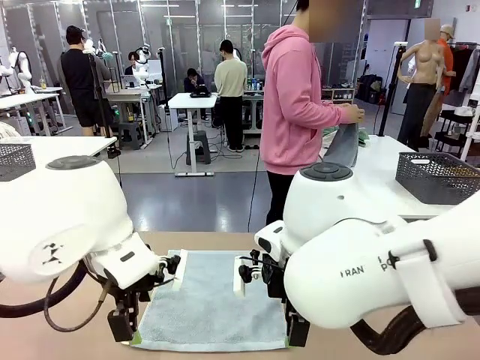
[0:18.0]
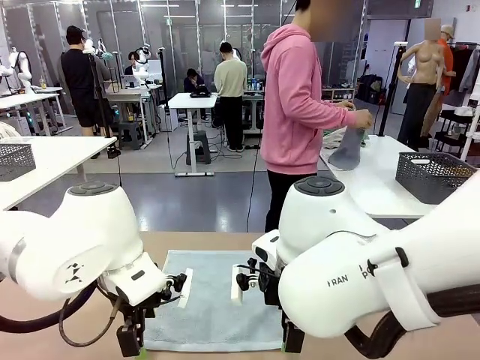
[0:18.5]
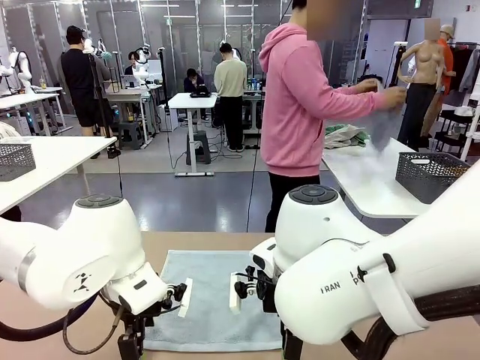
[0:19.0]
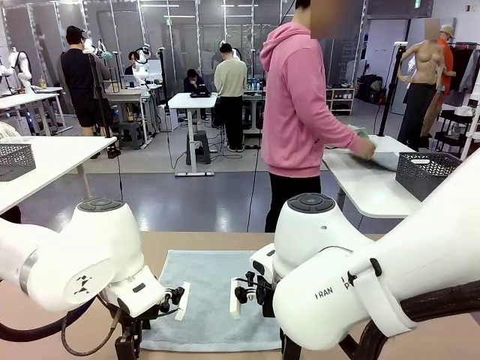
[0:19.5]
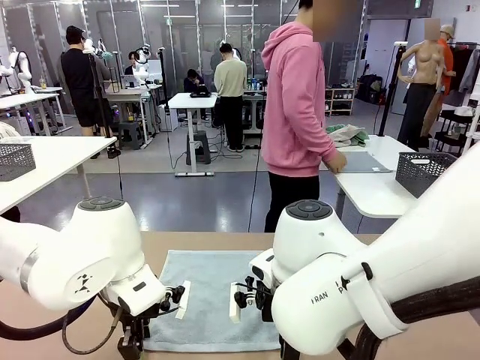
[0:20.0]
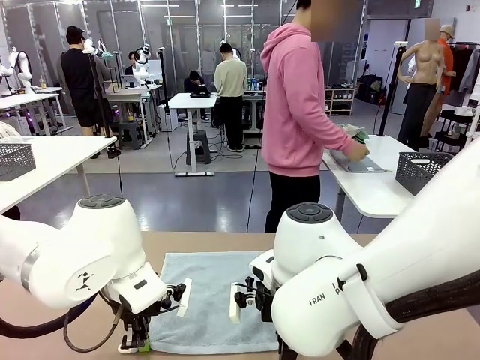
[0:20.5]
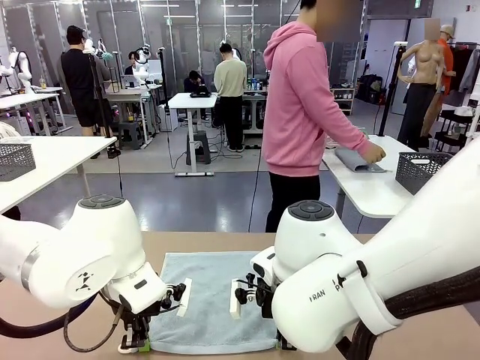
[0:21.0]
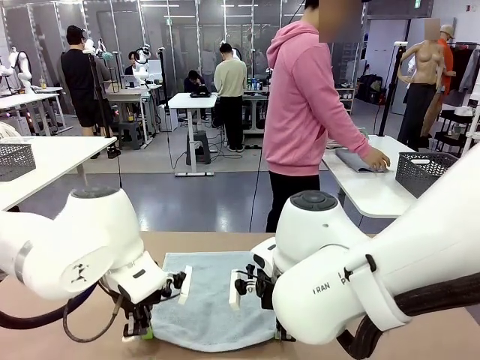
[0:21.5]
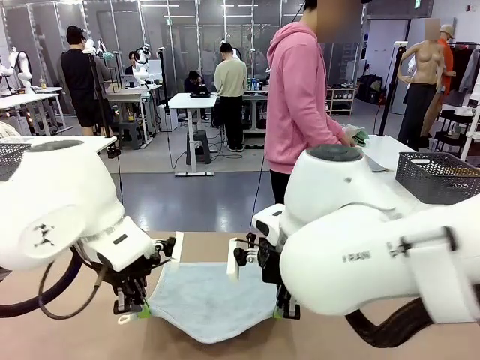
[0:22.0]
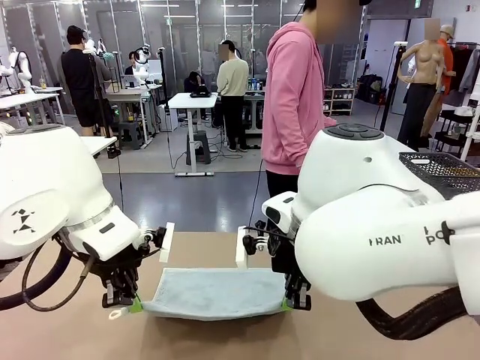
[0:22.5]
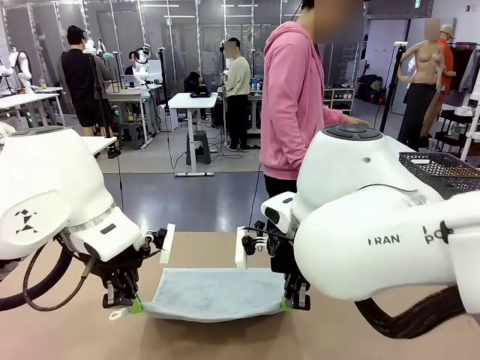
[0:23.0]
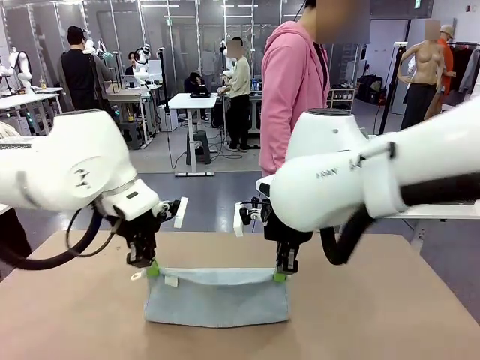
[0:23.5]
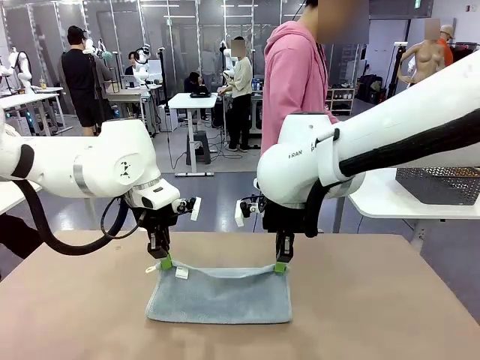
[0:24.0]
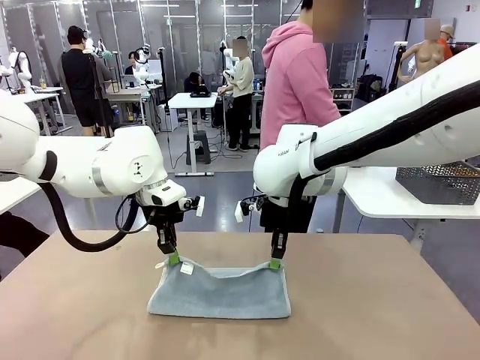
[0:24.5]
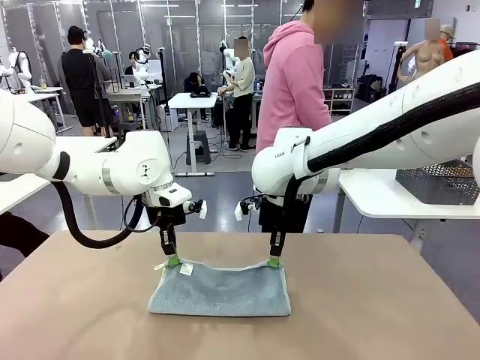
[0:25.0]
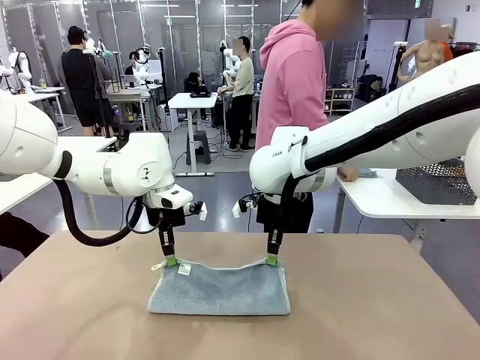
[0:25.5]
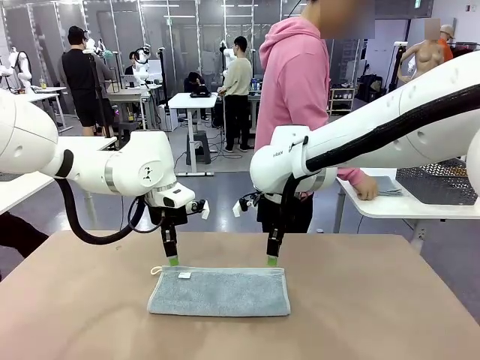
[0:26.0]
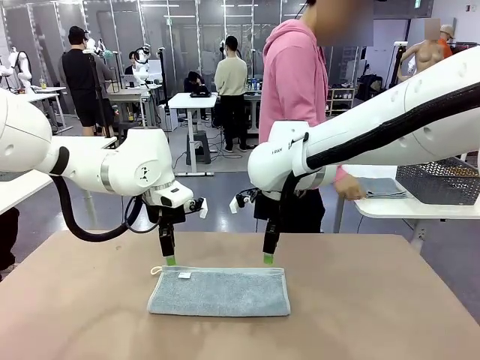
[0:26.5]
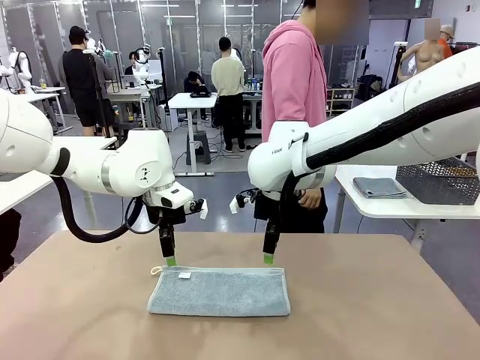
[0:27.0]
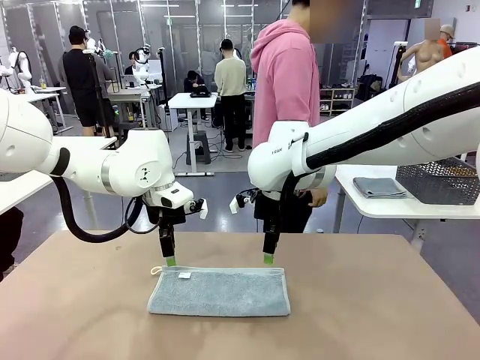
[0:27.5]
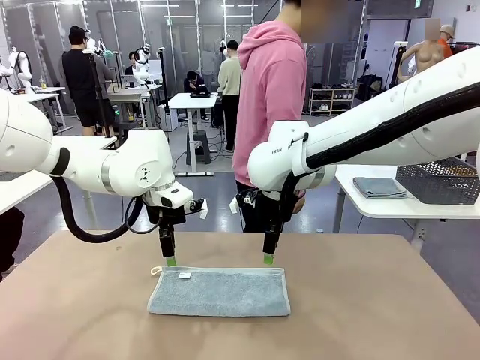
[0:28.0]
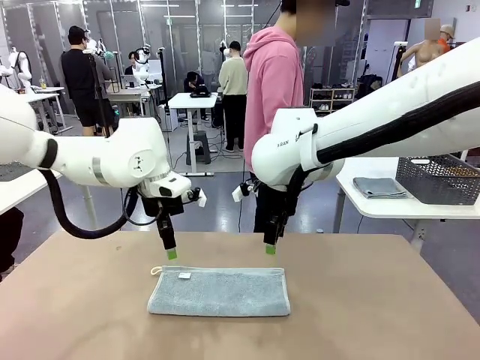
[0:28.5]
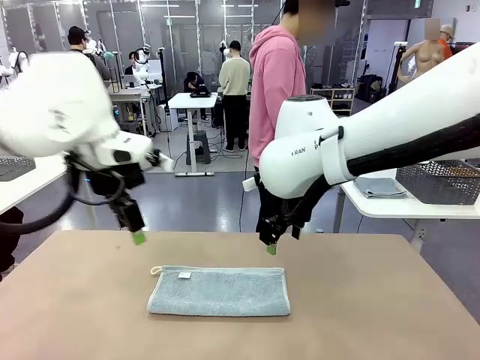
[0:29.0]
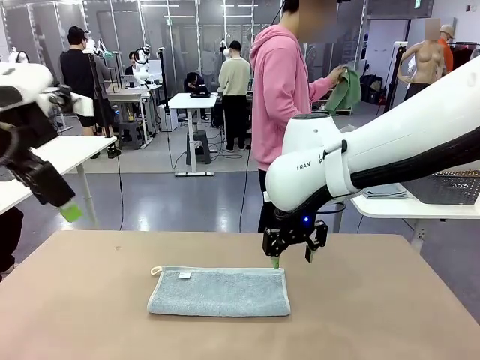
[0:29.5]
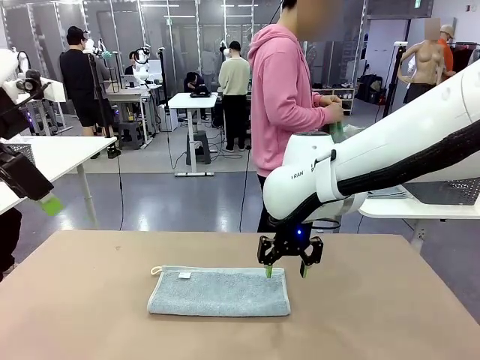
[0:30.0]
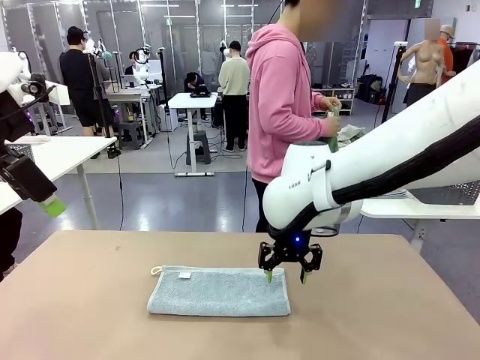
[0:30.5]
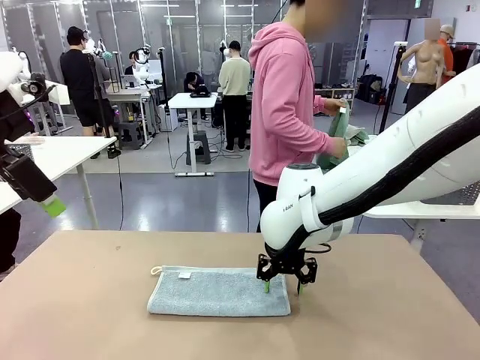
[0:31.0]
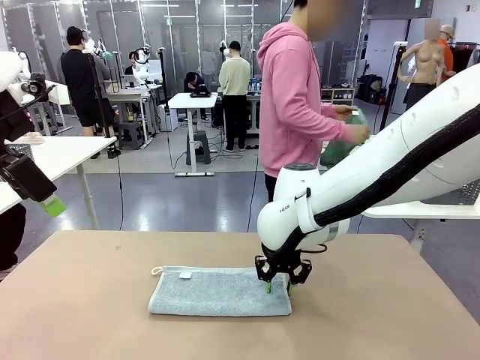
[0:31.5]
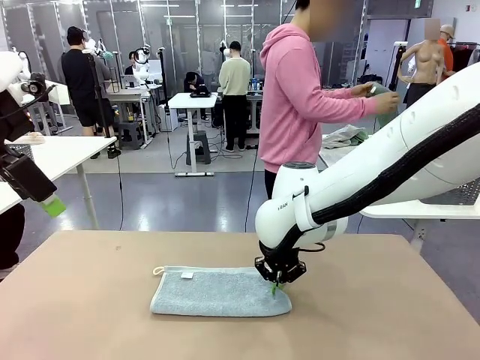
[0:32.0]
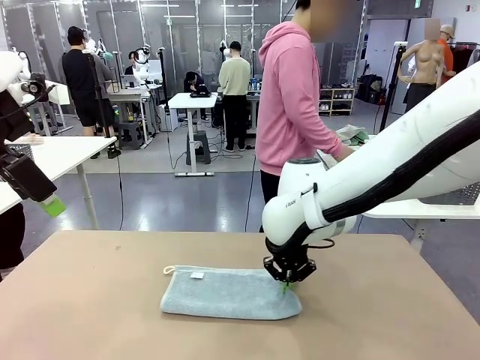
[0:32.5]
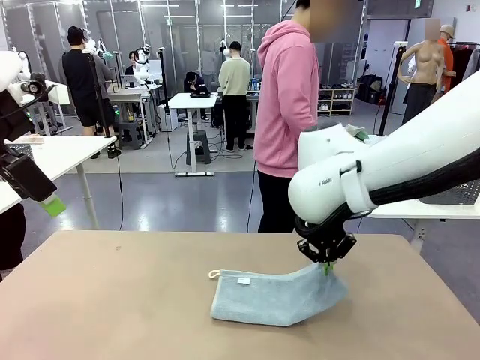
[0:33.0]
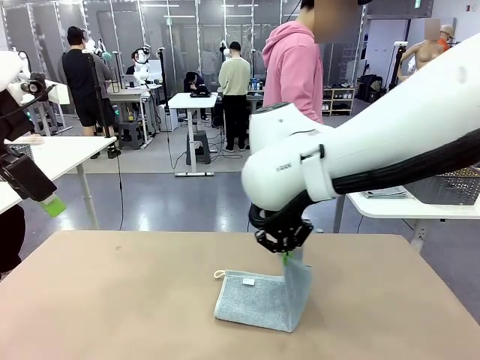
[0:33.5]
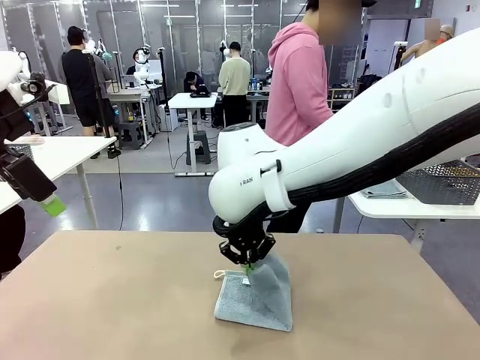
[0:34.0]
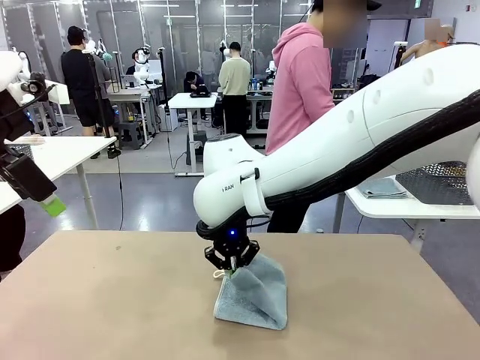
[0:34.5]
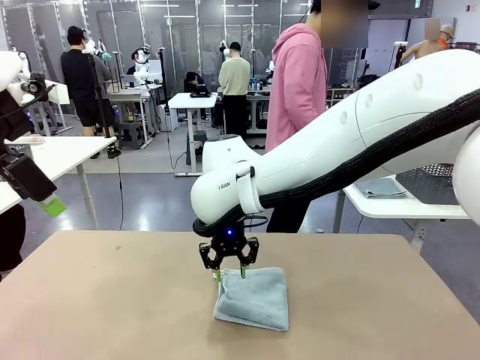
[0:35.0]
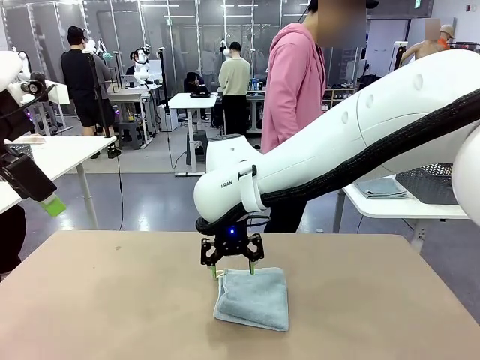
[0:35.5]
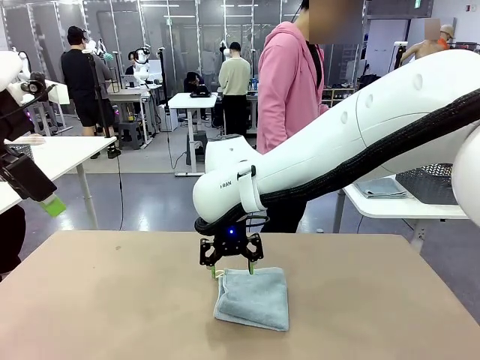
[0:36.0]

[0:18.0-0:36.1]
Task: Fold the towels and place them in the basket.
Robot: When a person lays out a Towel with hook on the table, fold it in half twice.
Person: Pick up one towel from the left side of the human table, fold it in half twice, and place it on the right side of the table. Pick up one towel from the left side of the human table, fold it in half twice, and stack it on the right side of the table.

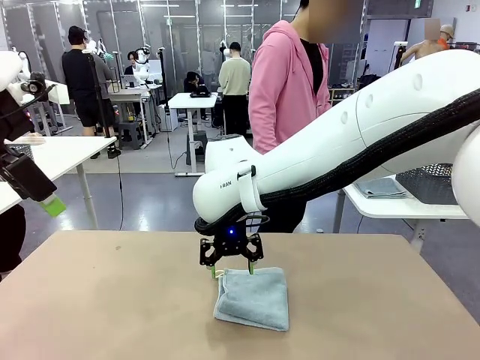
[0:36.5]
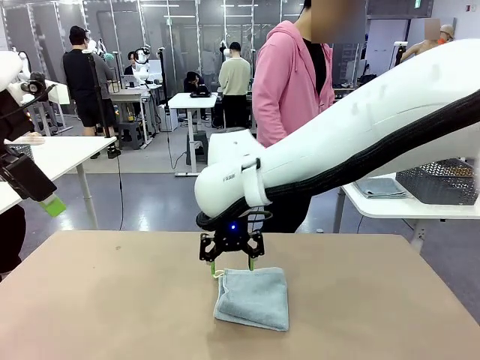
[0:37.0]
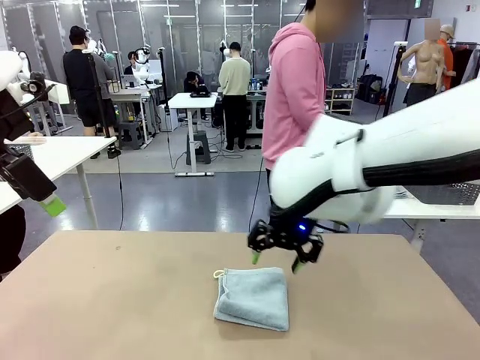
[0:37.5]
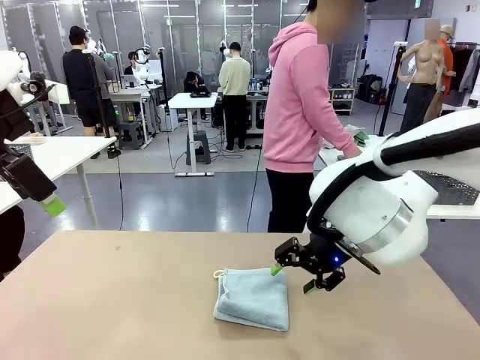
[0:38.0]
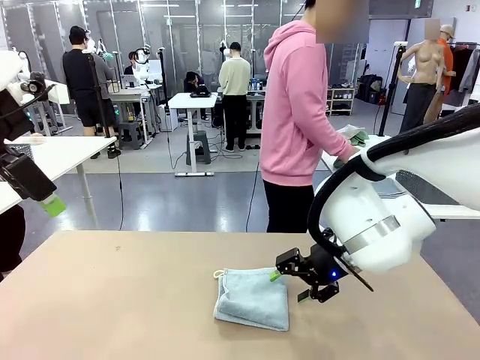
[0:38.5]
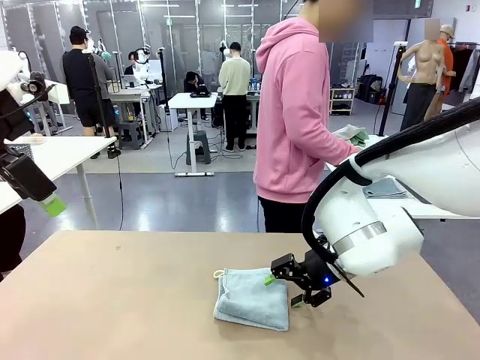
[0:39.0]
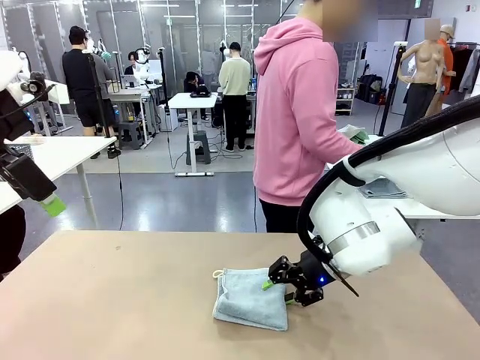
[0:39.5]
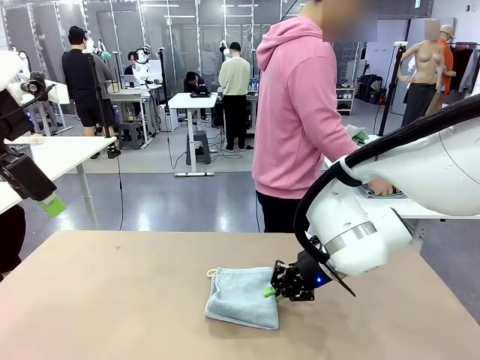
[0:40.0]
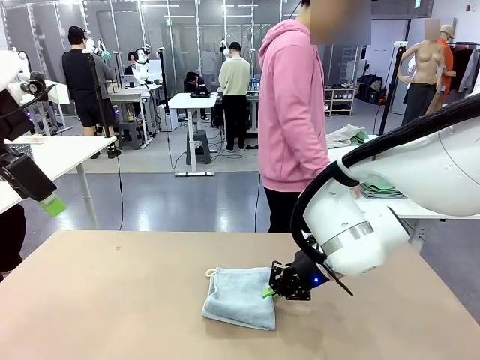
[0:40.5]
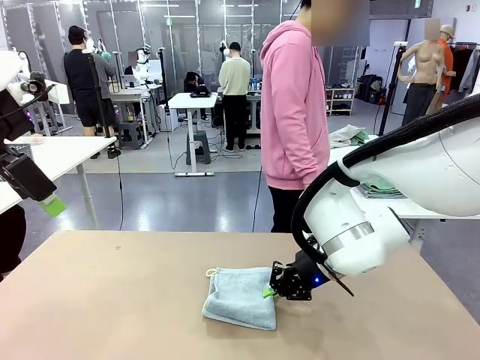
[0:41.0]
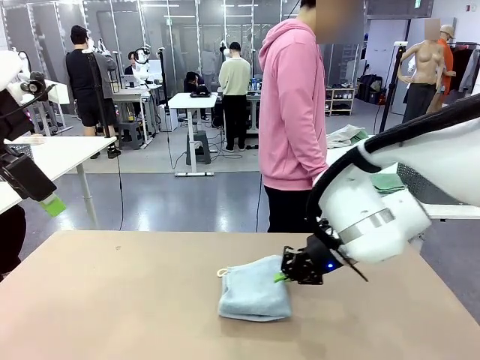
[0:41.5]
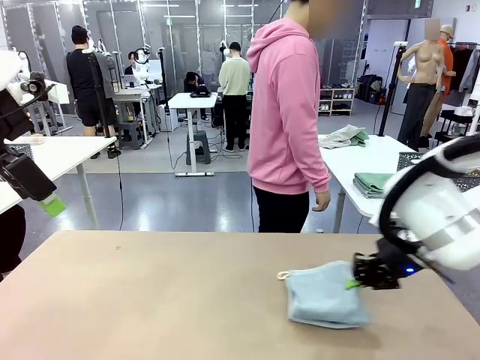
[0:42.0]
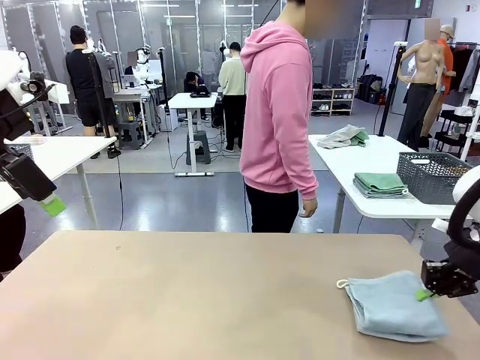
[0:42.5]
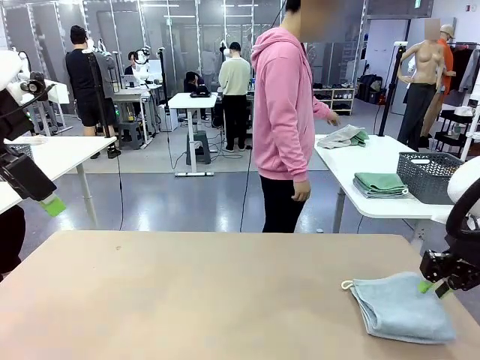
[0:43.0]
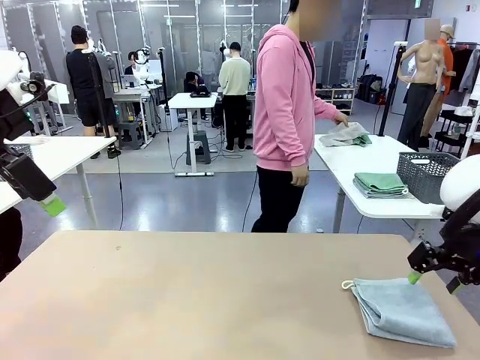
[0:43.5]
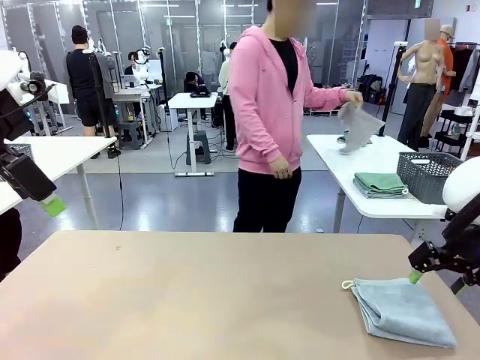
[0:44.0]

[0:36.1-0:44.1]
Robot: Place the folded Towel with hook on the right side of the table.

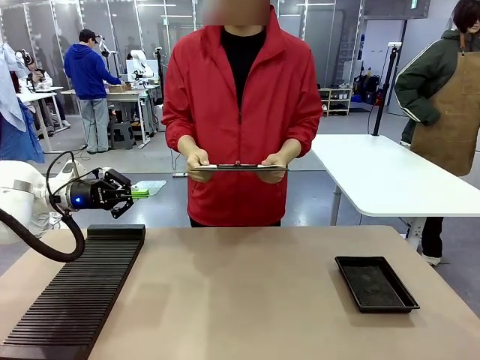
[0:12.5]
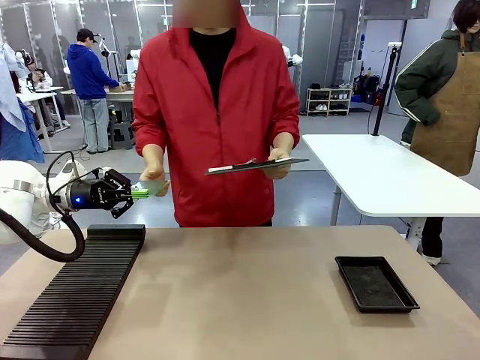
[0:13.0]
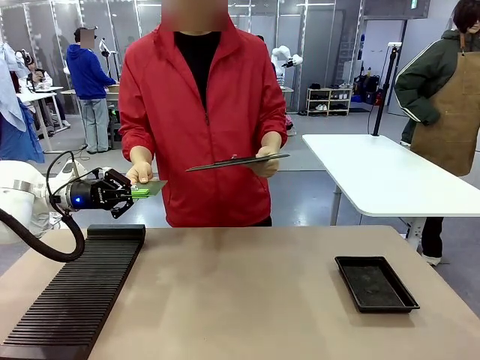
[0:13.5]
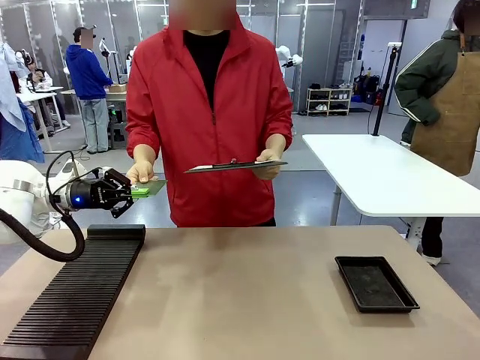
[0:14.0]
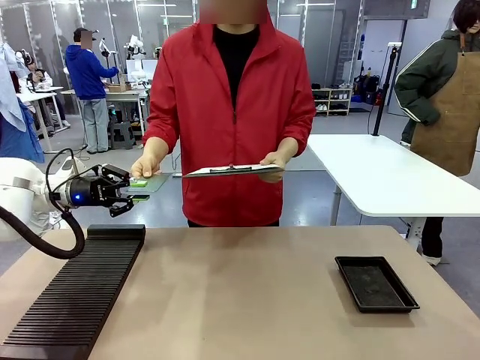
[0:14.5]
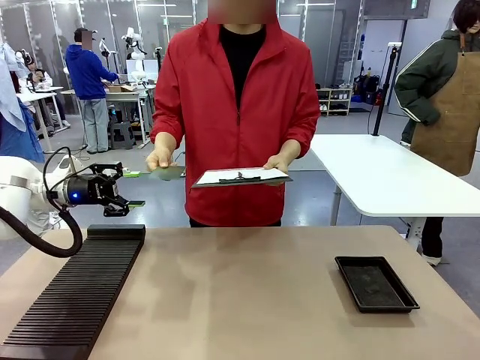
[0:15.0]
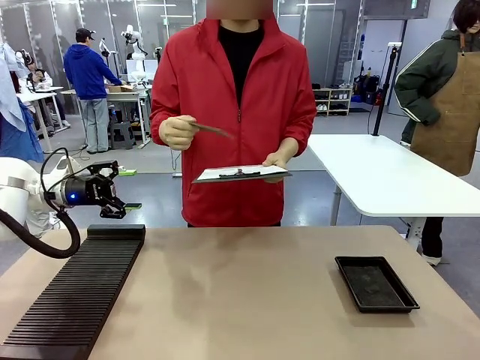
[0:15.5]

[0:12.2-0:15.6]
Task: Inspect the PCB.
Robot: Release the Blank PCB you were holding.
